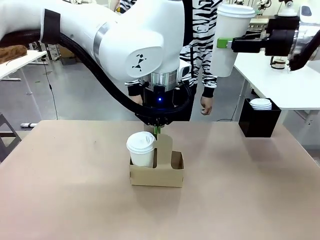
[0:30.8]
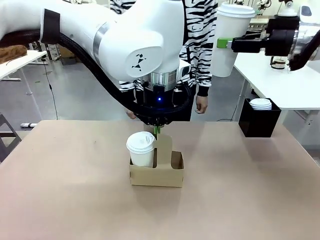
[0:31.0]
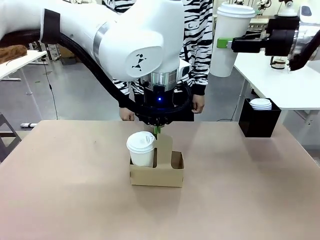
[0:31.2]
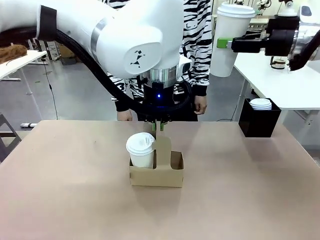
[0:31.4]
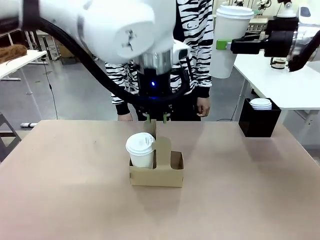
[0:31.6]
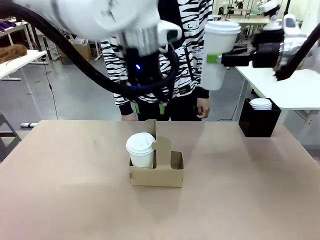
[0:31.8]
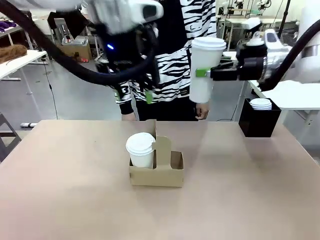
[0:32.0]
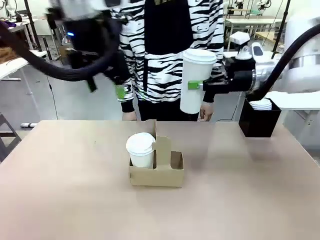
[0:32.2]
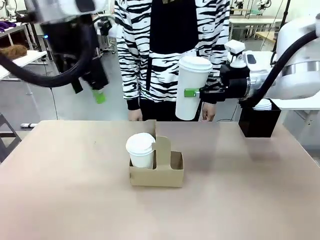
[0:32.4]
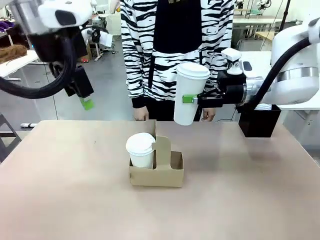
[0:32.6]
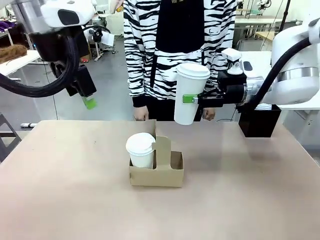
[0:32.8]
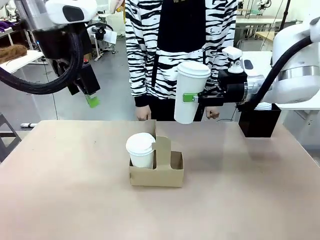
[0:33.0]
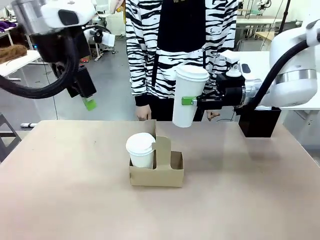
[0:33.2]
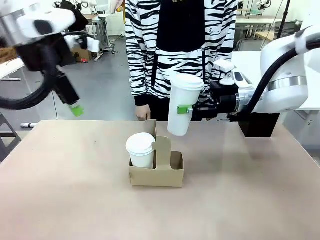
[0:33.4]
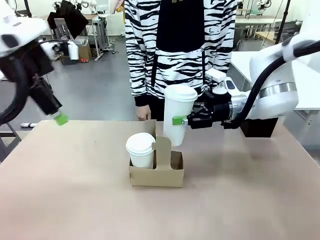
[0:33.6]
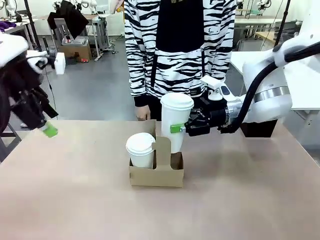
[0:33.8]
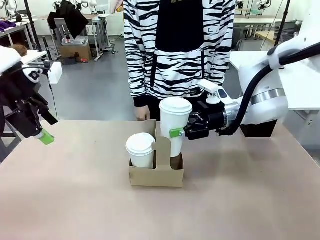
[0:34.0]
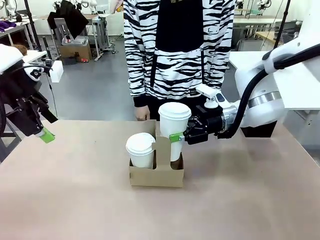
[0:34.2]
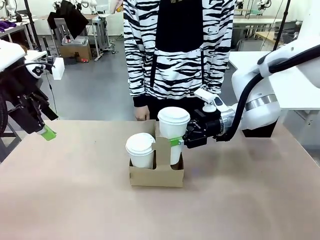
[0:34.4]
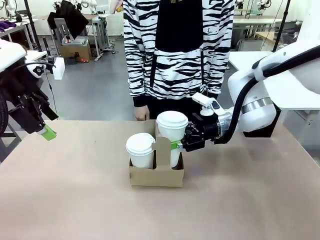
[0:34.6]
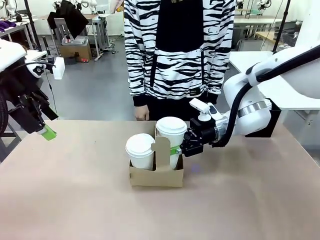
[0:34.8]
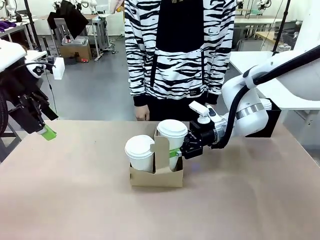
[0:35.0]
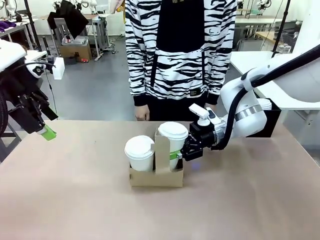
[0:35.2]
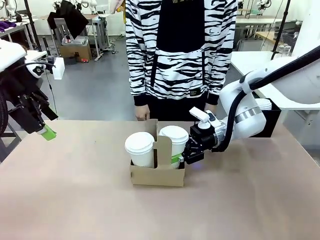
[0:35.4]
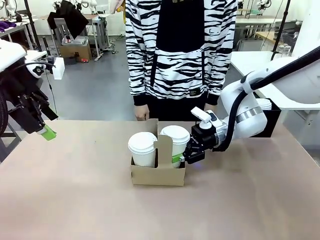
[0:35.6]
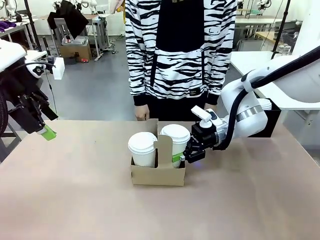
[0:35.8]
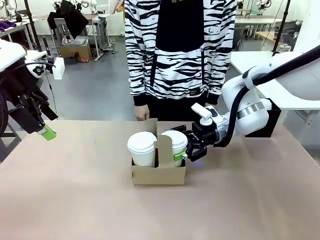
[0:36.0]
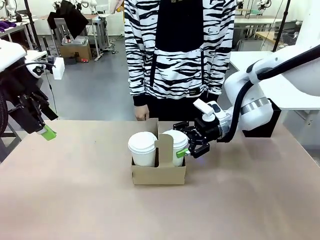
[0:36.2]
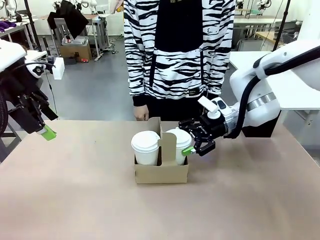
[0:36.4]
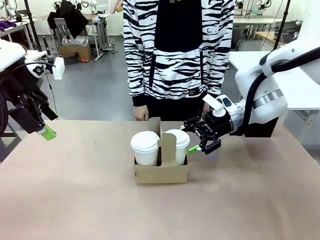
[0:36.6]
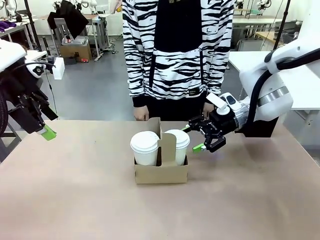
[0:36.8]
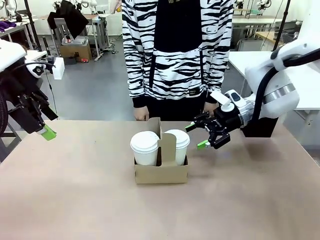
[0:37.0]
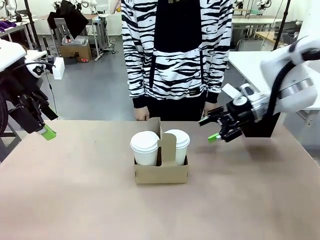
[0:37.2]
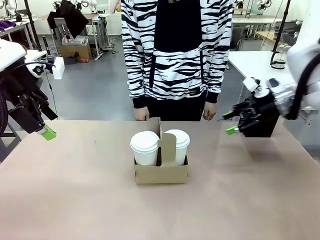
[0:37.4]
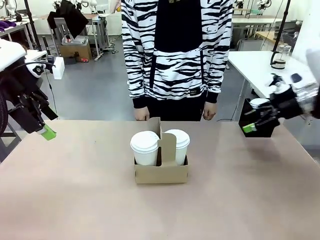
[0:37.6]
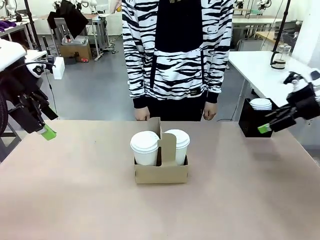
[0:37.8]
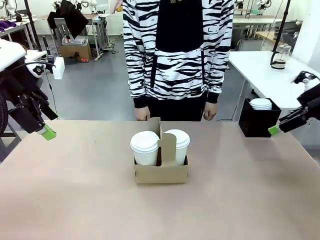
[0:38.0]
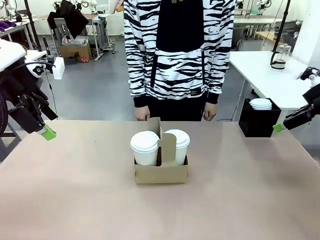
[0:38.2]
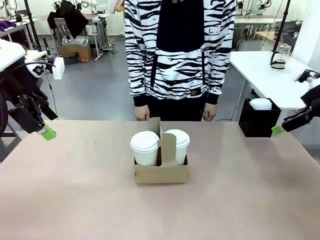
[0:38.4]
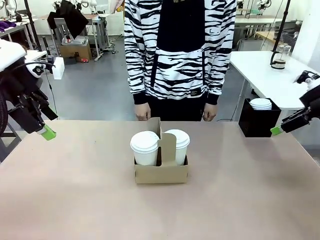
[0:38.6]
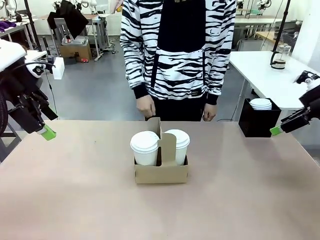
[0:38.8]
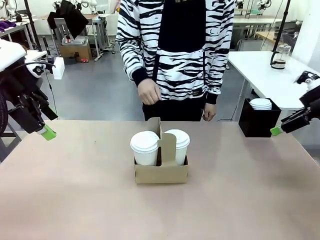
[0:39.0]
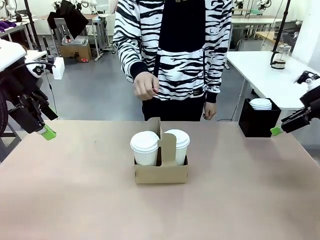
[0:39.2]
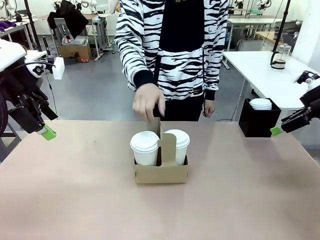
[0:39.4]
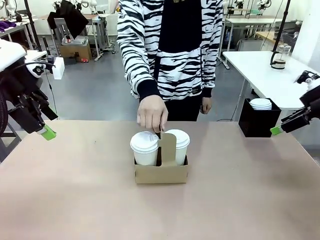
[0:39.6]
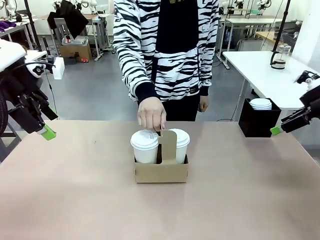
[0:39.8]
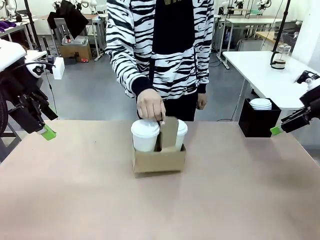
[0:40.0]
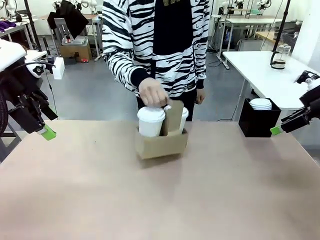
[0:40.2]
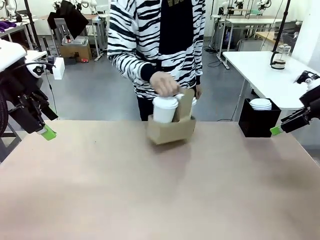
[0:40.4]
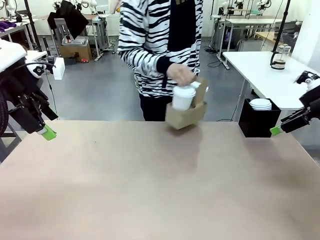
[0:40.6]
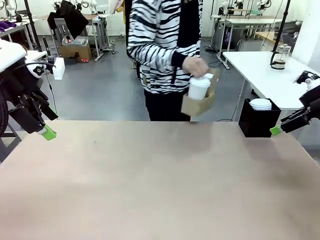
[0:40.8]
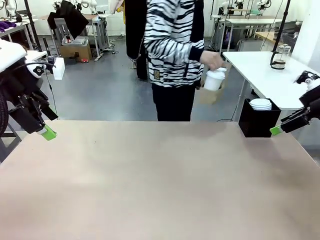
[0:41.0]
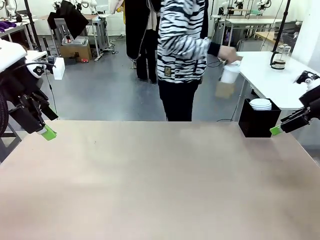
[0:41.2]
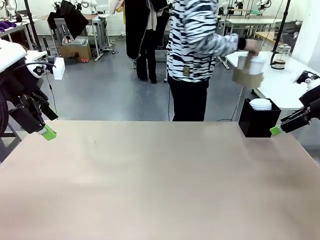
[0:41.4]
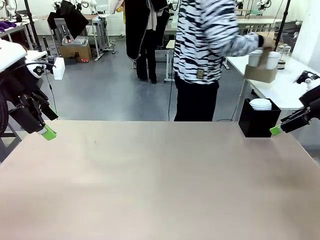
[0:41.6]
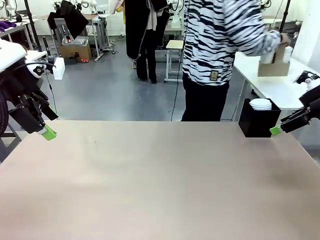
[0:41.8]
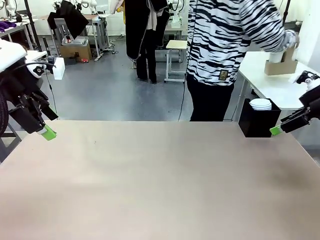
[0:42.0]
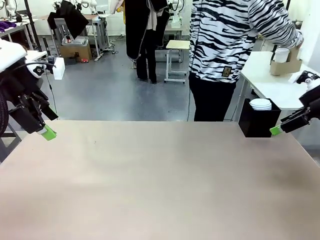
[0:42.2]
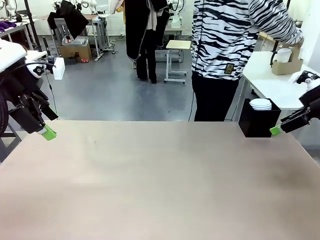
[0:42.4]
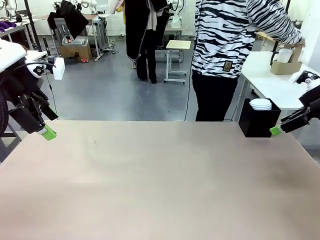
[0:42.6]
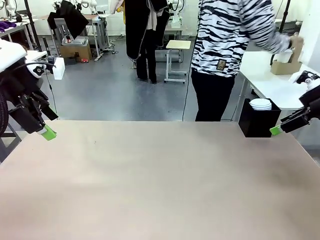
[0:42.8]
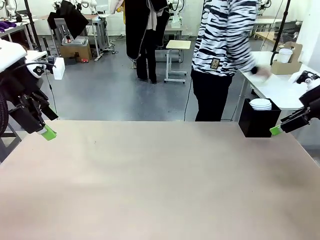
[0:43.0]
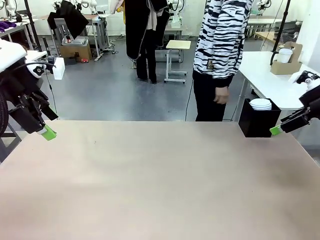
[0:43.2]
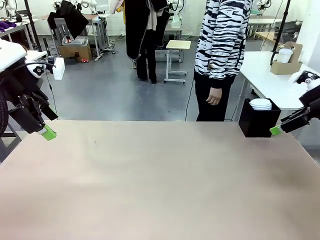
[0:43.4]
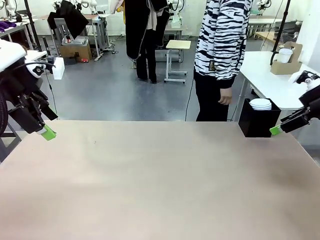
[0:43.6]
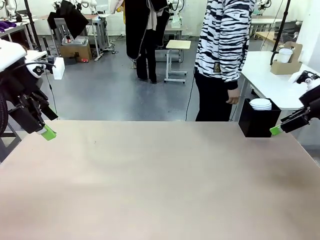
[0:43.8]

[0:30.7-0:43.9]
Task: Pour a drink into a cup and package it in a carrier.
Robot: Insert the held 600 ml Paper Cup into the Cup Carrier.
Person: Place the Cup Carrier to the middle of Human table.
